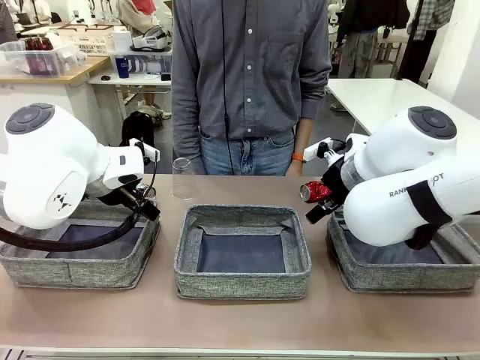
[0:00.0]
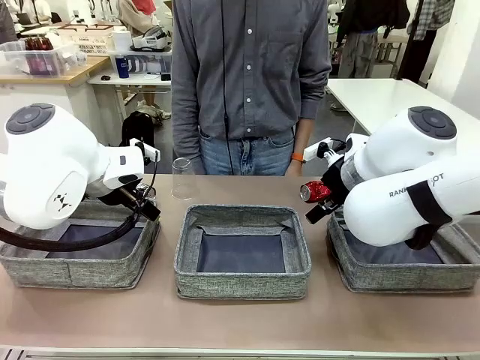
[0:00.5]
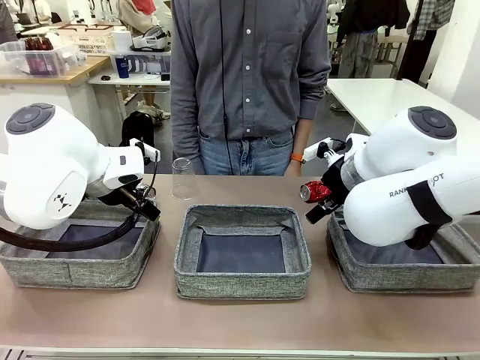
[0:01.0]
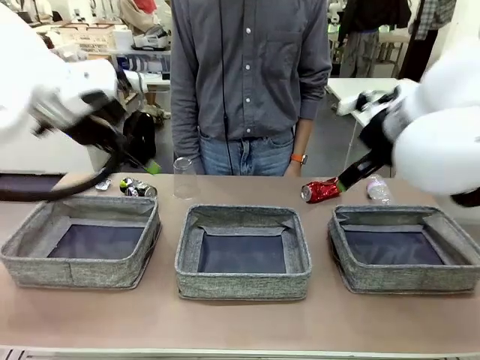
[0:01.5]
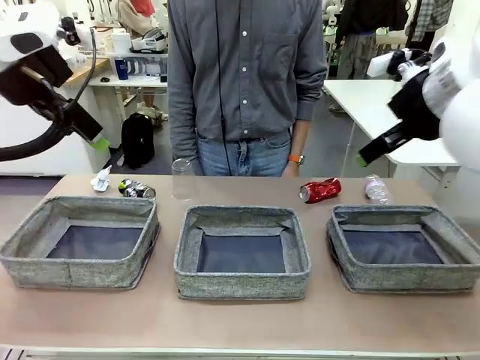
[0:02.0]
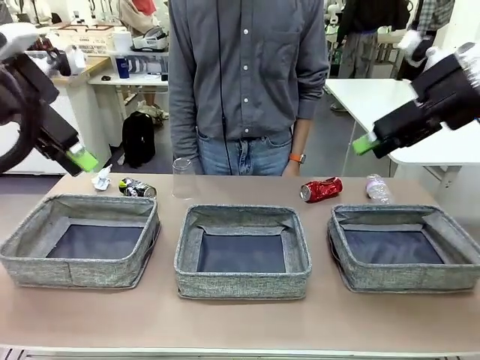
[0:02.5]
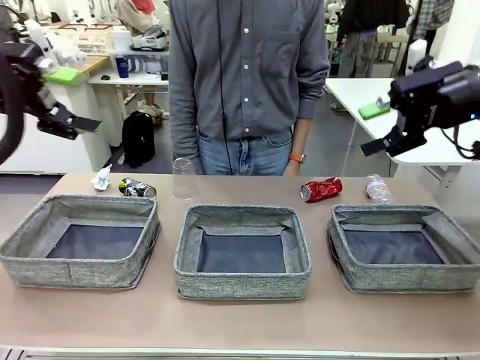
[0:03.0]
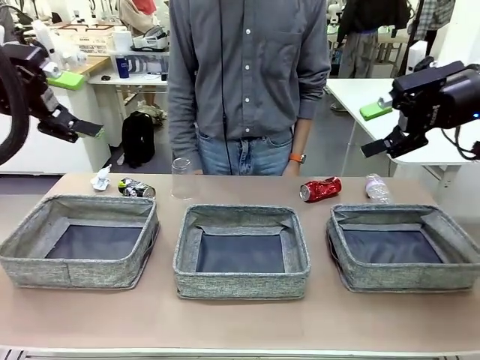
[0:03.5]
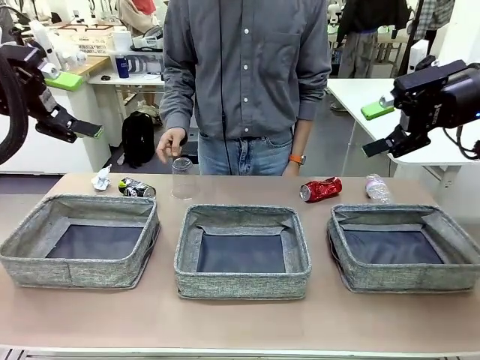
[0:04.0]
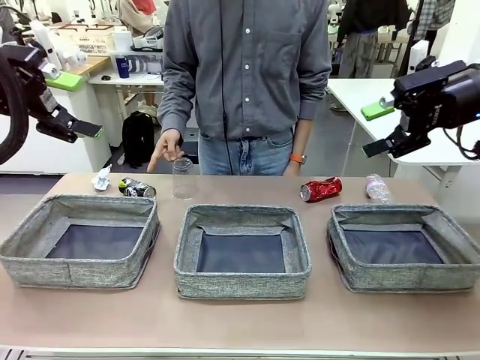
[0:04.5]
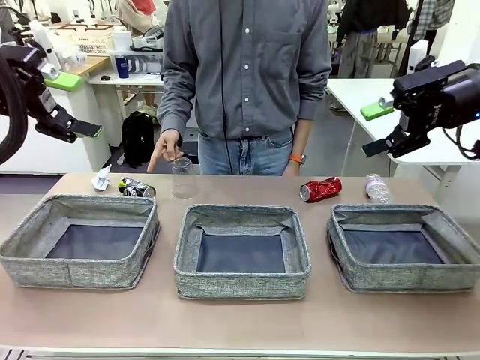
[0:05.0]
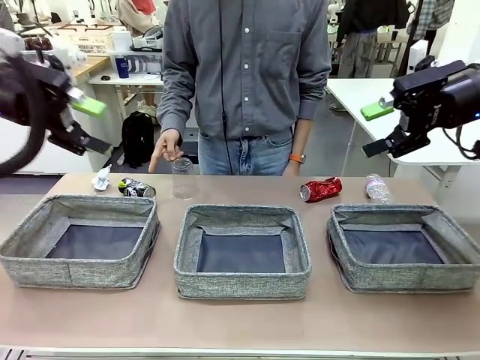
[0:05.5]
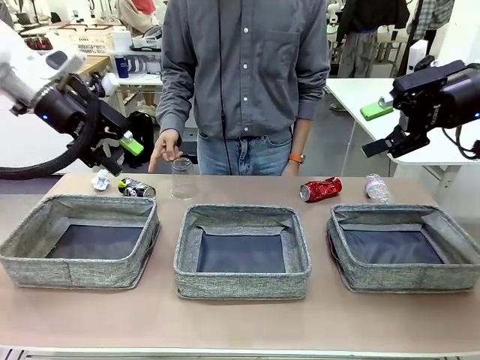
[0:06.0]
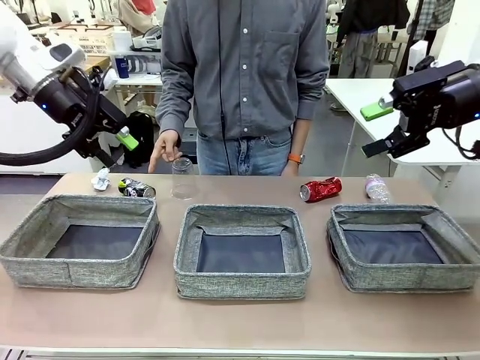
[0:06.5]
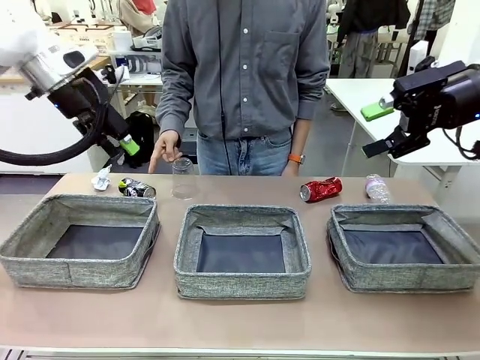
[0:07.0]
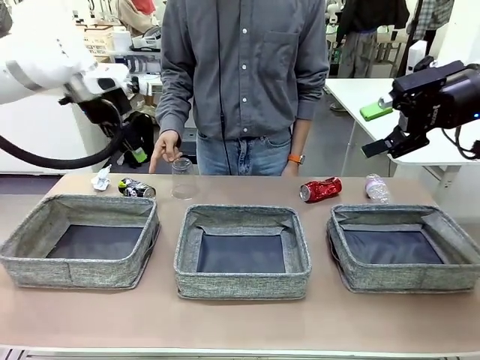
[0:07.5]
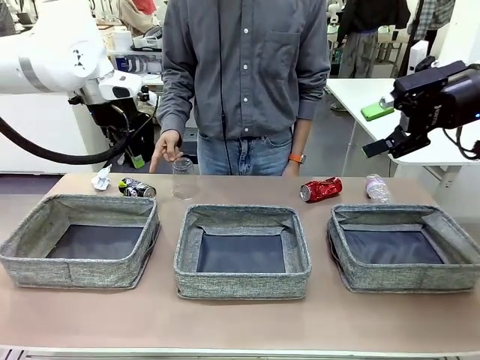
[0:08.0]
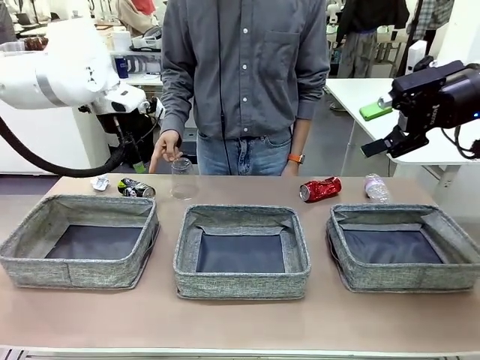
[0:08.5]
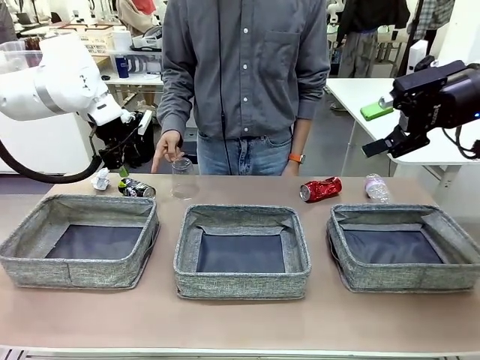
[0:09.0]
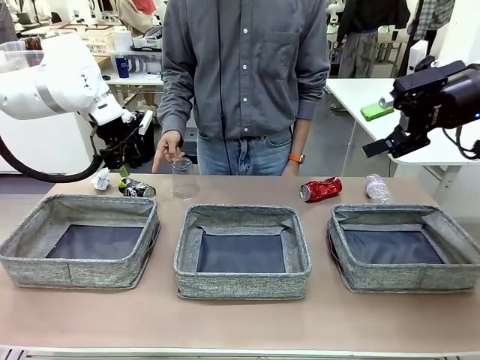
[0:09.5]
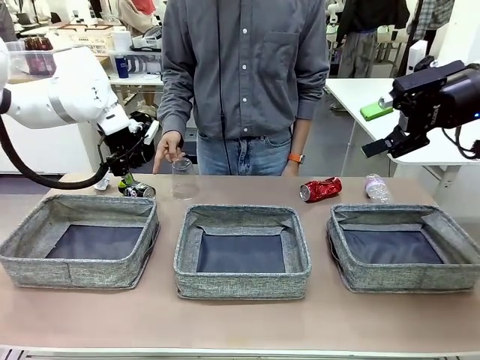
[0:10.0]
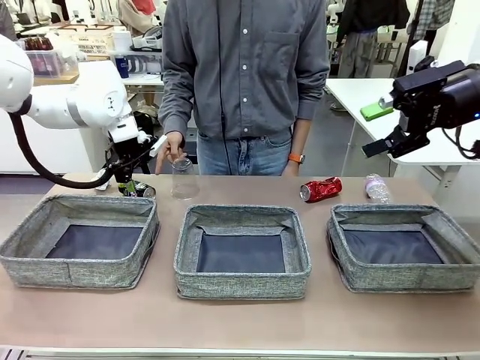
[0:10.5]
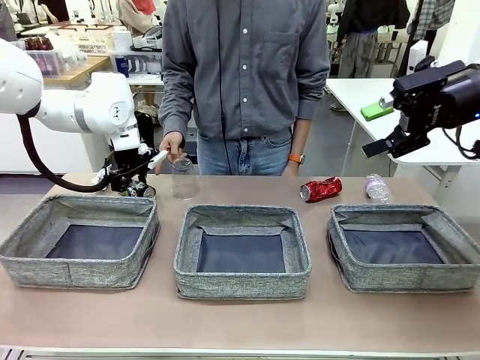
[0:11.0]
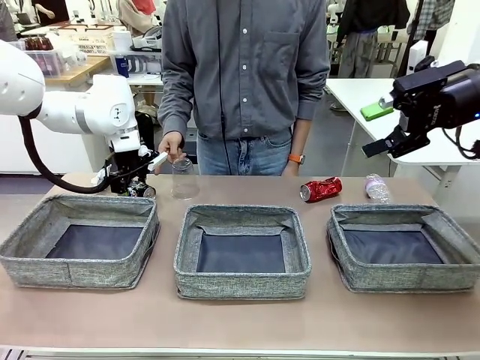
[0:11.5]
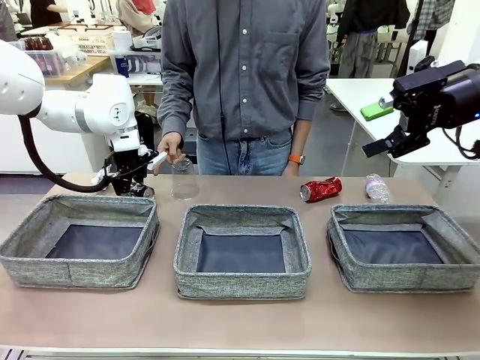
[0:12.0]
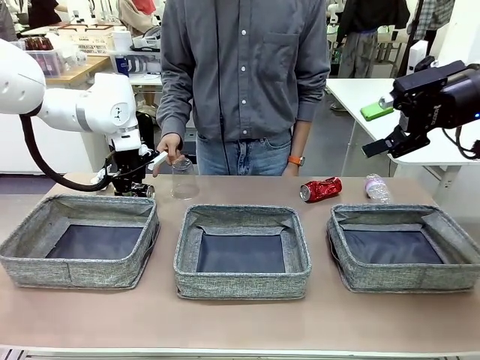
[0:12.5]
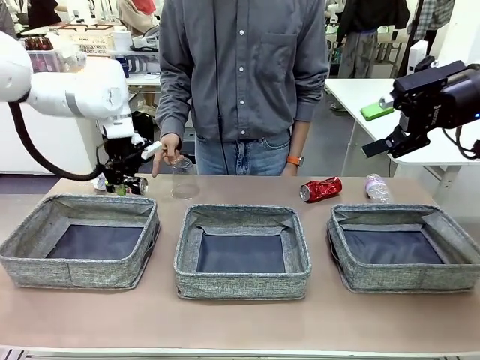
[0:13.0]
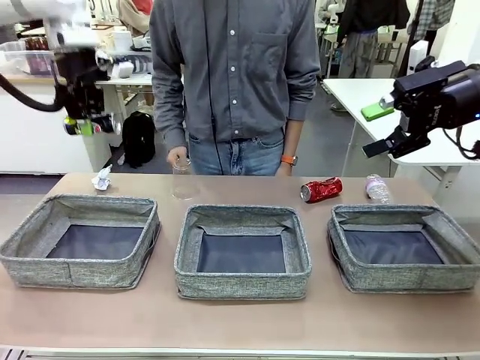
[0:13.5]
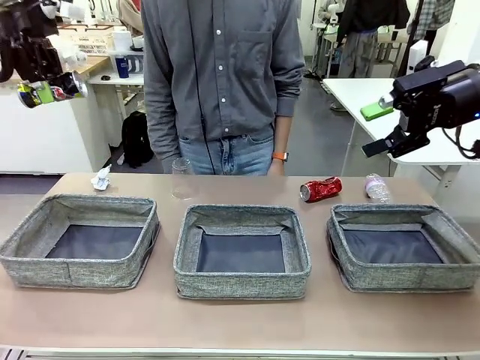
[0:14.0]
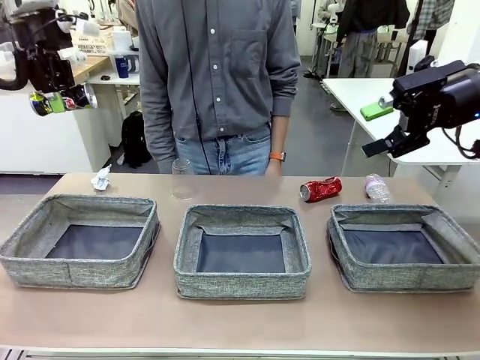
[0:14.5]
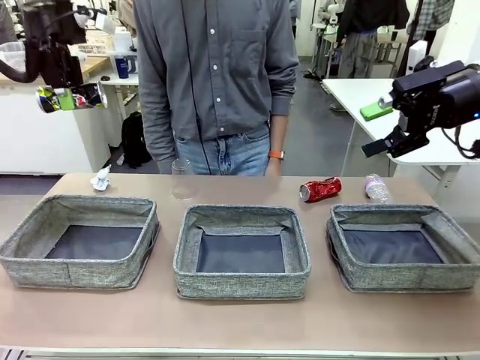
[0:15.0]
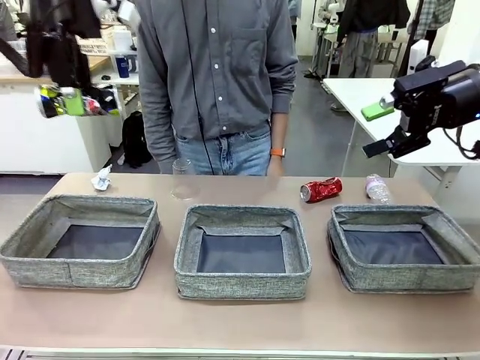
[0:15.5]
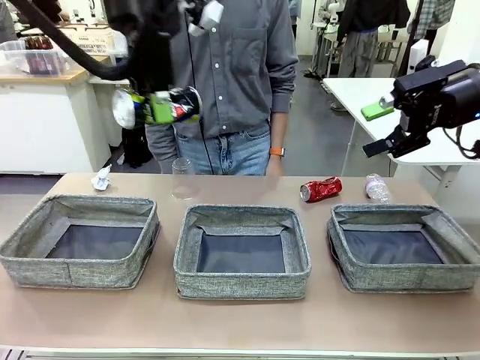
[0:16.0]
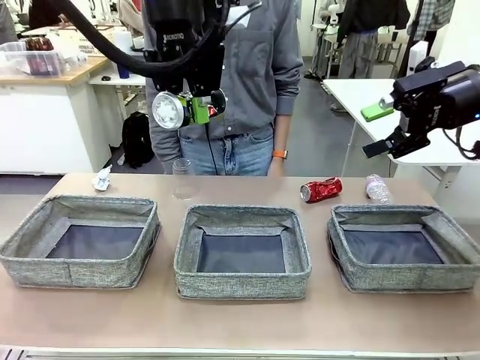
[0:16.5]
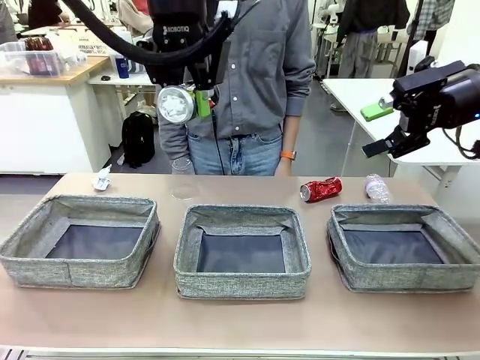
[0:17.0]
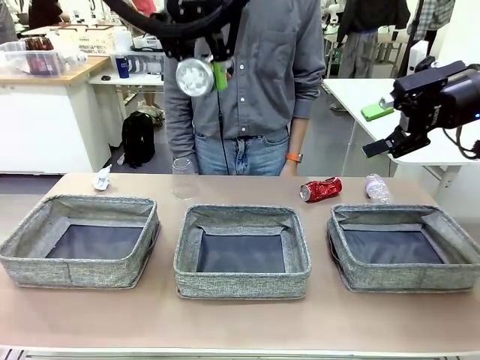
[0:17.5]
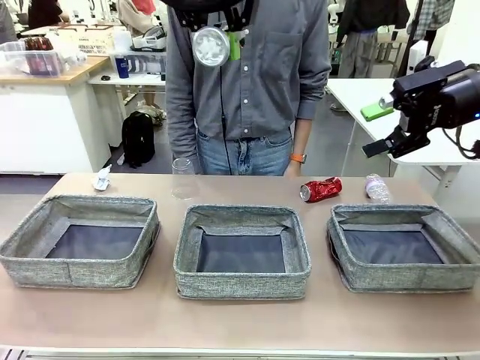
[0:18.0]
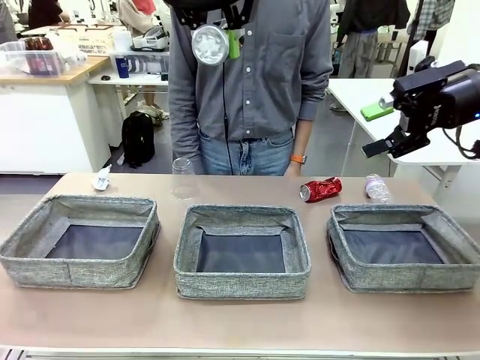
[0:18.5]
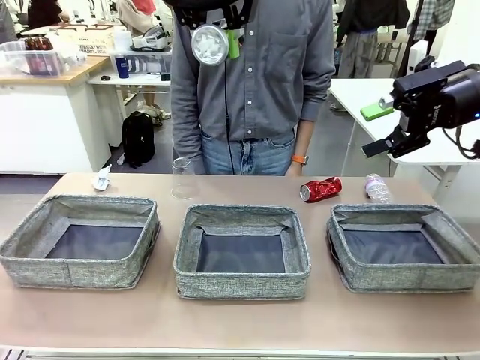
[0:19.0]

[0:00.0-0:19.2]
Task: Sort the waste into the appropriate baskets.
Robot: Pick up the waste item pointed out by the person.
Person: Points to one piece of trash on the table.

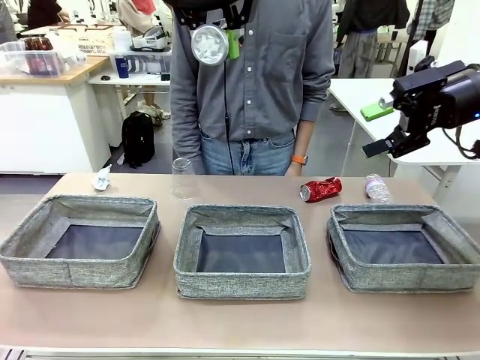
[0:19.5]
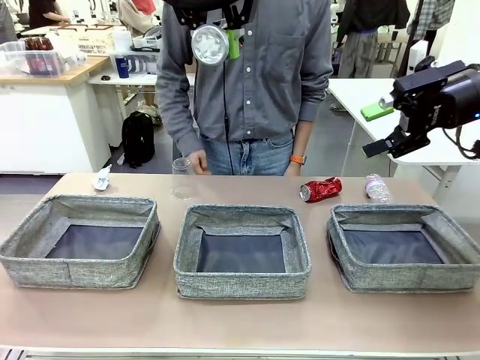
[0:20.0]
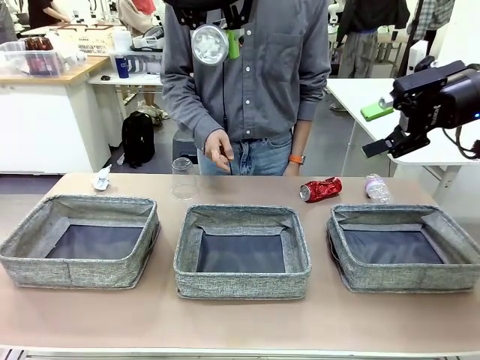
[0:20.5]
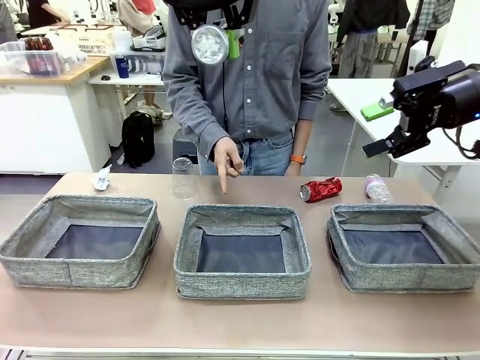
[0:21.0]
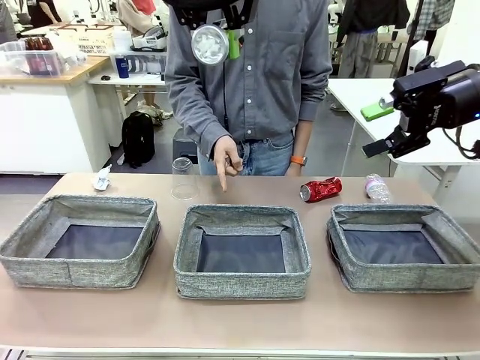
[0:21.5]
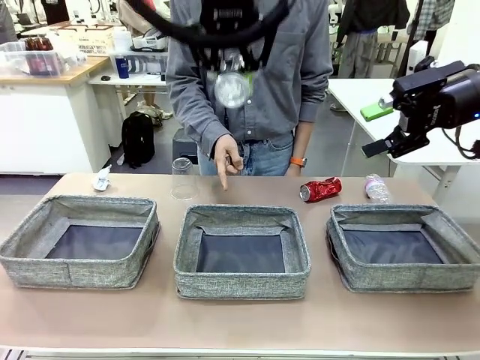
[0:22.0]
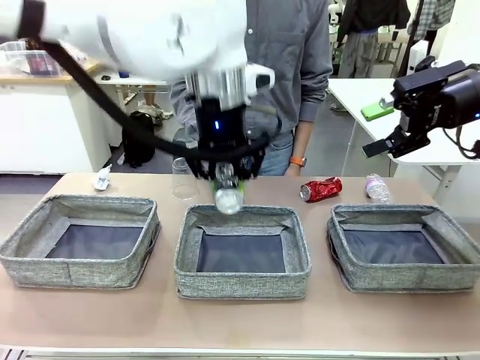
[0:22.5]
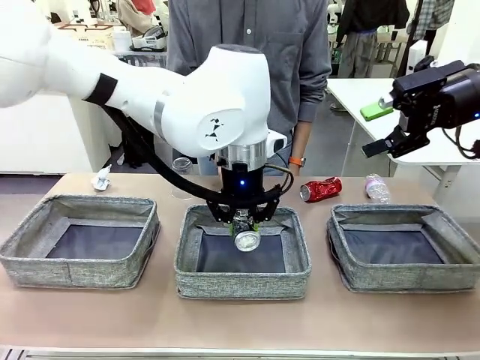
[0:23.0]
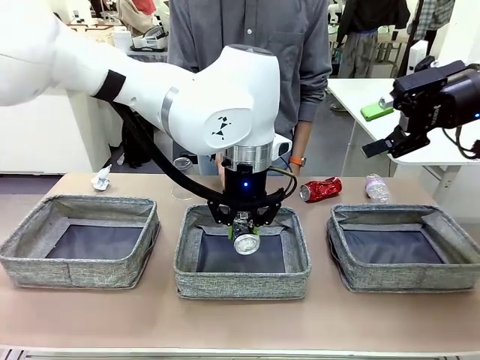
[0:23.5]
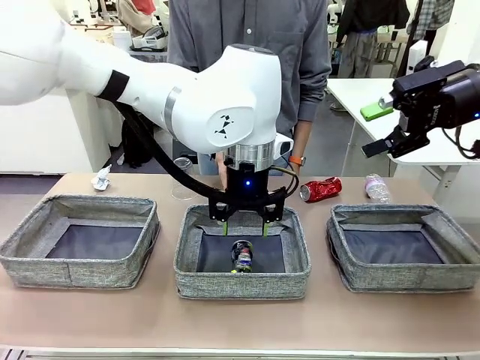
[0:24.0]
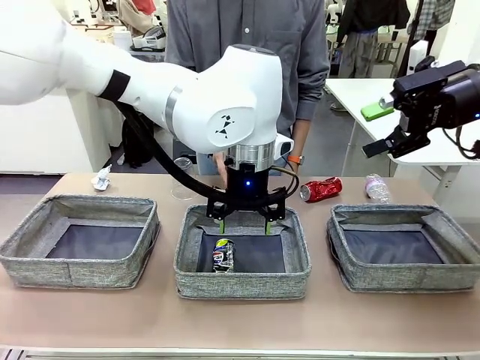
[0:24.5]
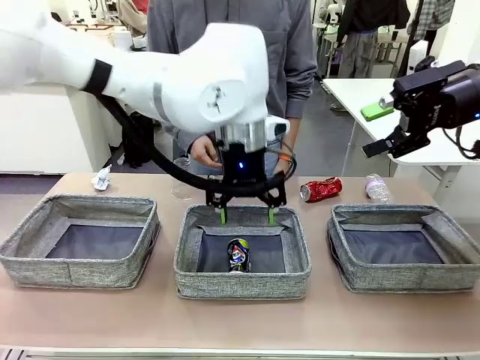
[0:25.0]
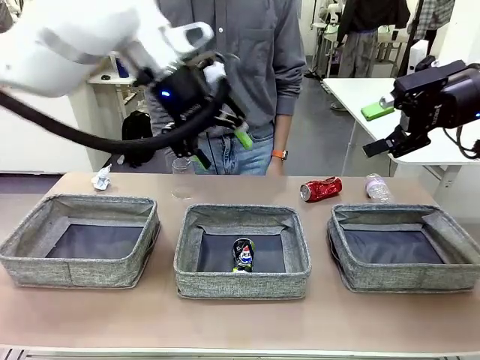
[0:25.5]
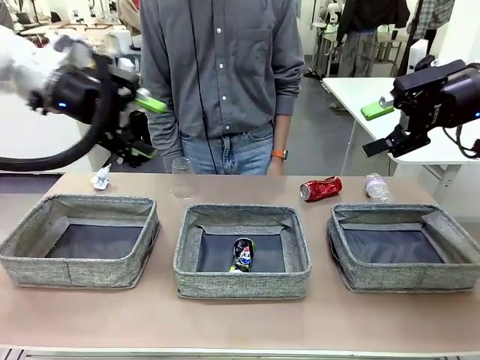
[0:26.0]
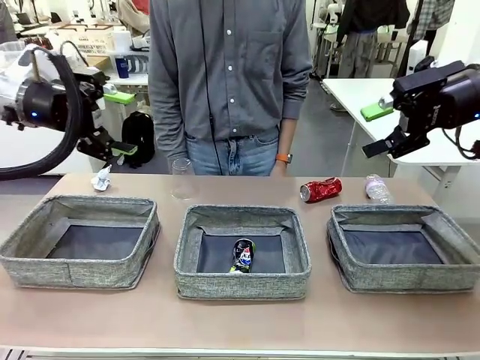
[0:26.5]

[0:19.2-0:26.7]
Robot: Place the picked waste into the Fabric basket indicated by the person.
Person: Instructs the robot to place the picked-up trash into the appropriate organizing basket.
